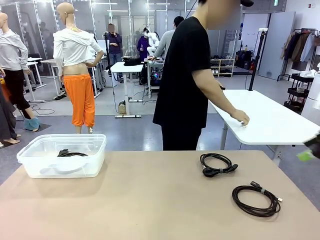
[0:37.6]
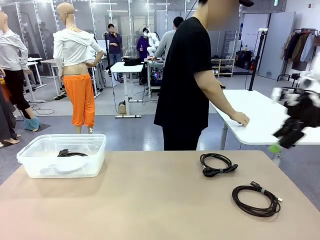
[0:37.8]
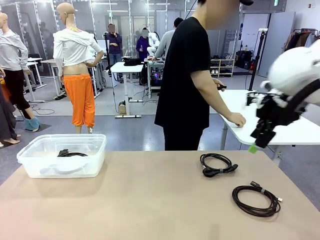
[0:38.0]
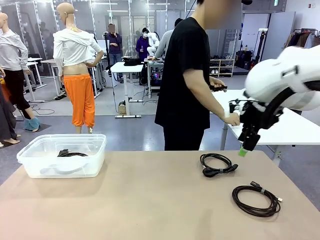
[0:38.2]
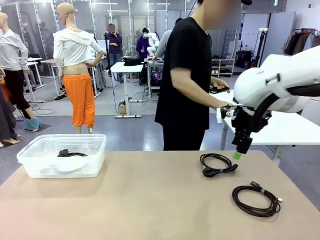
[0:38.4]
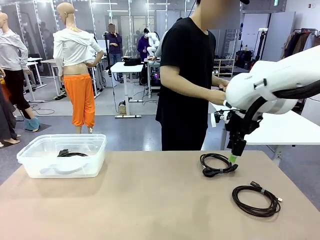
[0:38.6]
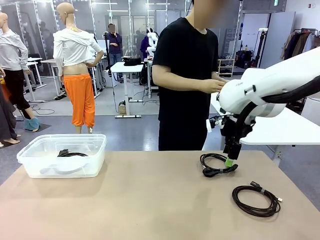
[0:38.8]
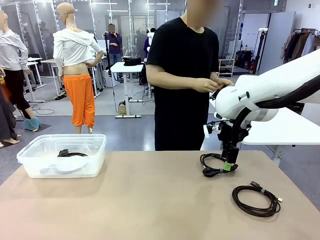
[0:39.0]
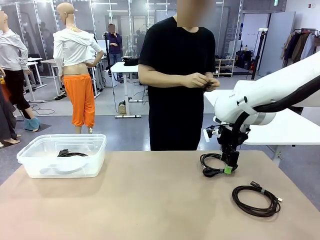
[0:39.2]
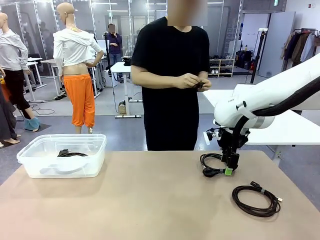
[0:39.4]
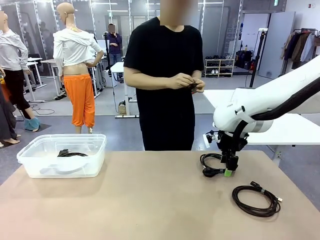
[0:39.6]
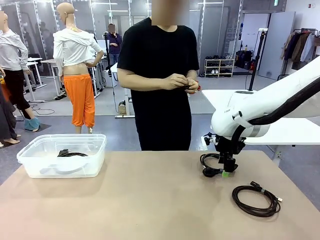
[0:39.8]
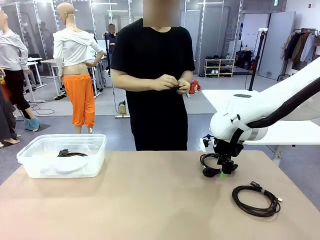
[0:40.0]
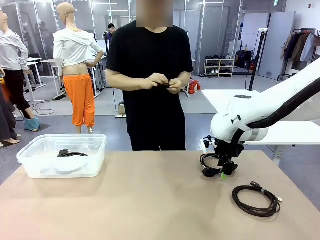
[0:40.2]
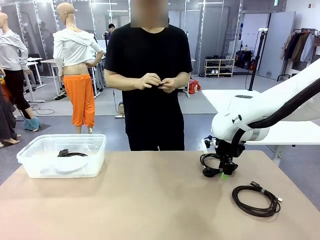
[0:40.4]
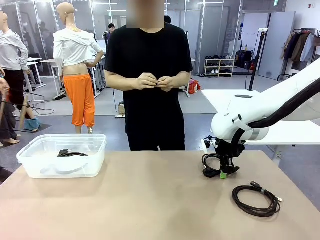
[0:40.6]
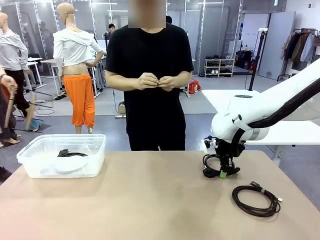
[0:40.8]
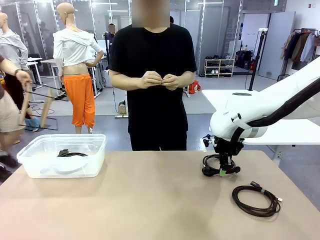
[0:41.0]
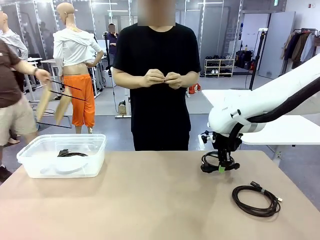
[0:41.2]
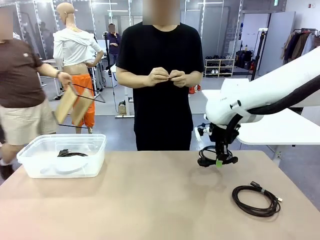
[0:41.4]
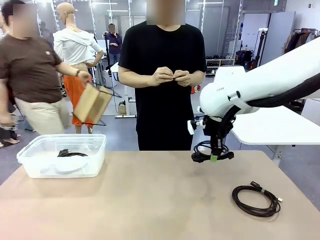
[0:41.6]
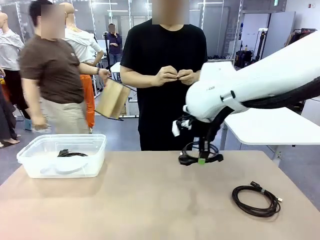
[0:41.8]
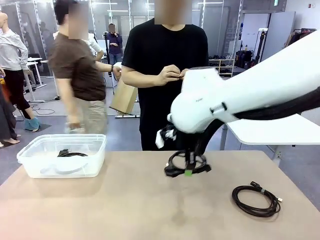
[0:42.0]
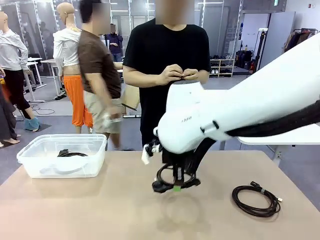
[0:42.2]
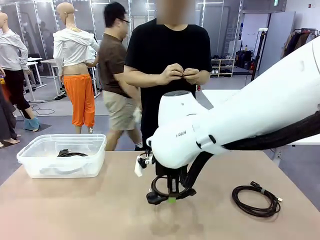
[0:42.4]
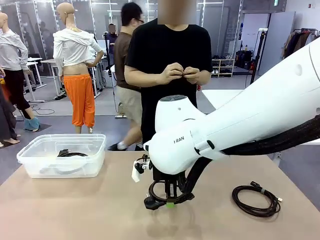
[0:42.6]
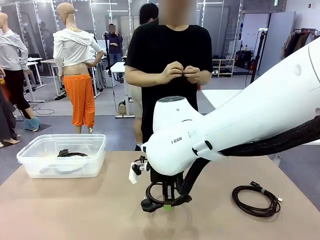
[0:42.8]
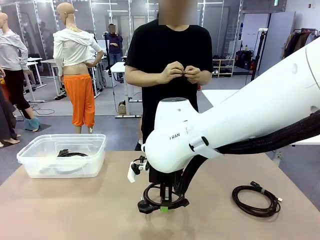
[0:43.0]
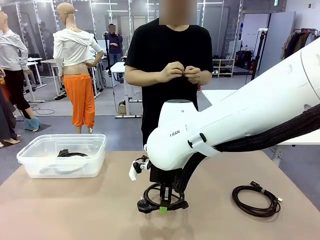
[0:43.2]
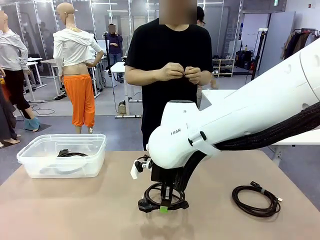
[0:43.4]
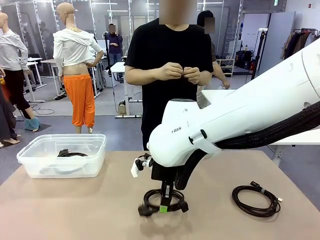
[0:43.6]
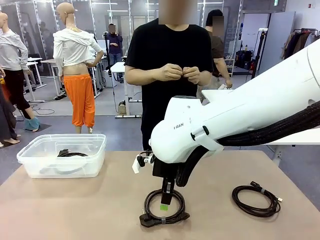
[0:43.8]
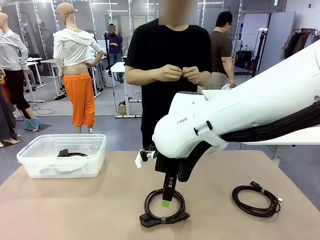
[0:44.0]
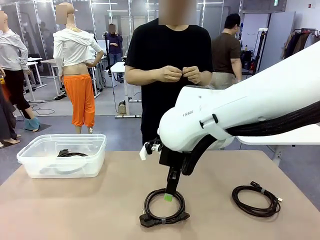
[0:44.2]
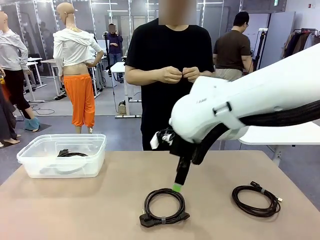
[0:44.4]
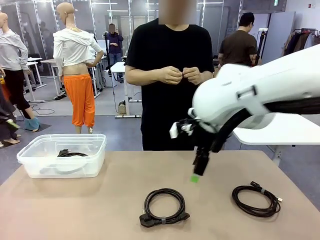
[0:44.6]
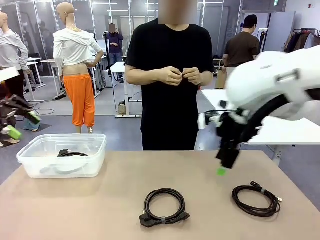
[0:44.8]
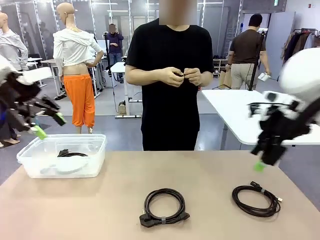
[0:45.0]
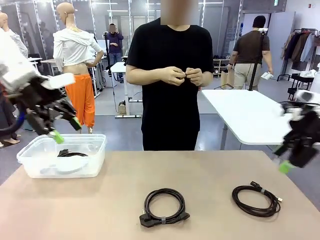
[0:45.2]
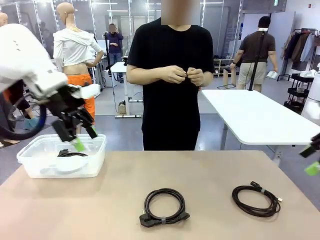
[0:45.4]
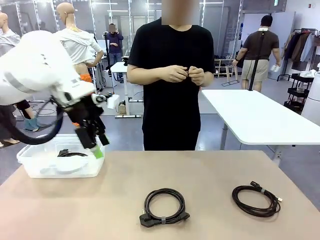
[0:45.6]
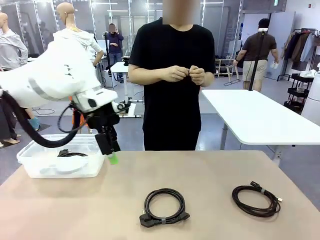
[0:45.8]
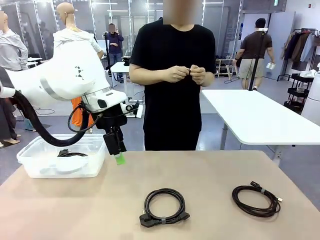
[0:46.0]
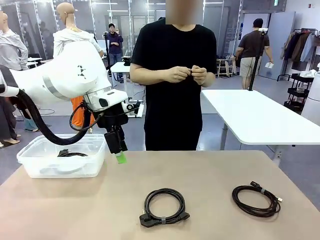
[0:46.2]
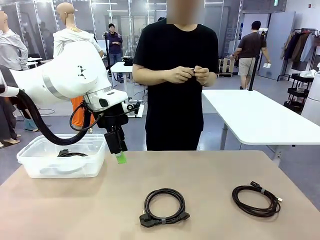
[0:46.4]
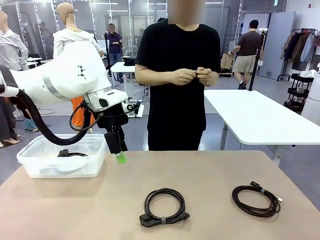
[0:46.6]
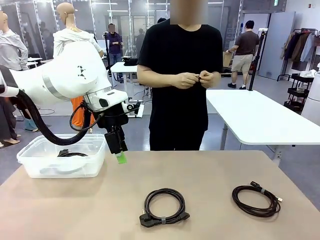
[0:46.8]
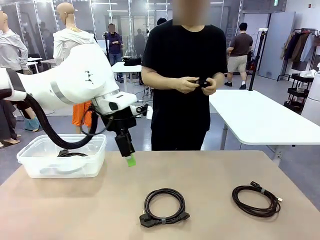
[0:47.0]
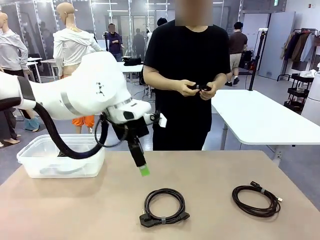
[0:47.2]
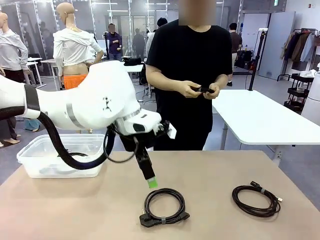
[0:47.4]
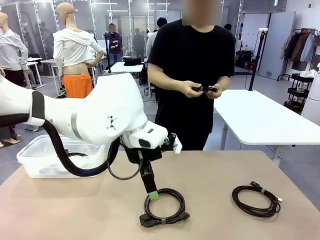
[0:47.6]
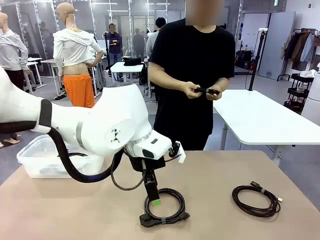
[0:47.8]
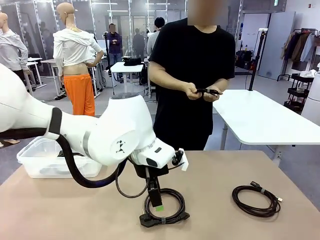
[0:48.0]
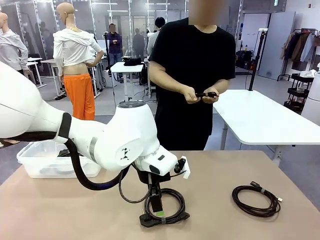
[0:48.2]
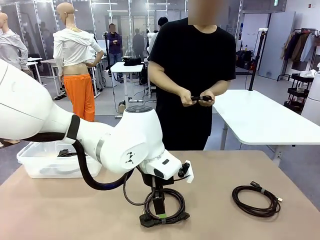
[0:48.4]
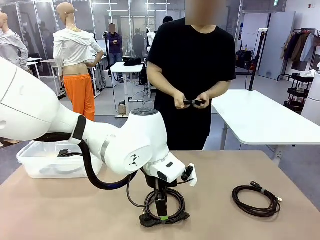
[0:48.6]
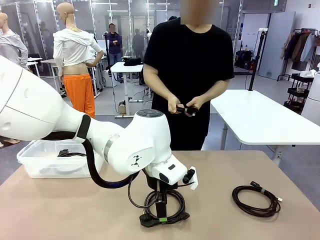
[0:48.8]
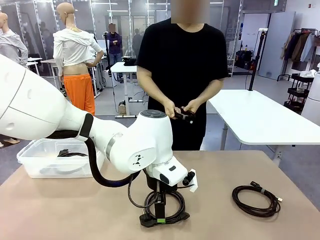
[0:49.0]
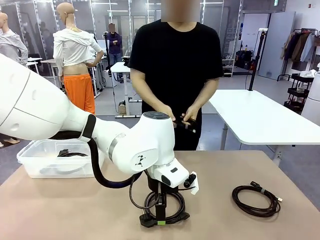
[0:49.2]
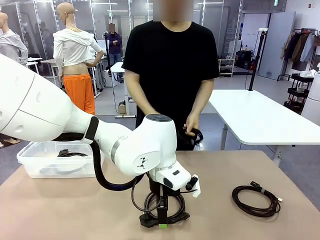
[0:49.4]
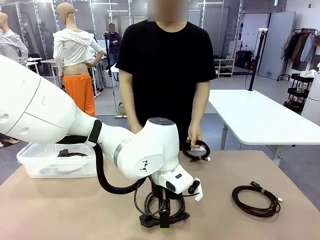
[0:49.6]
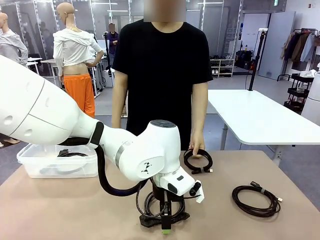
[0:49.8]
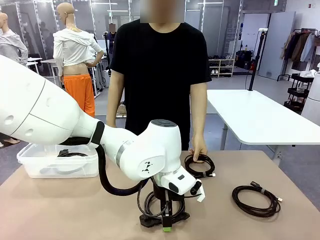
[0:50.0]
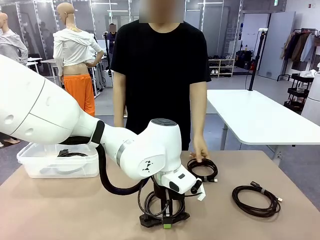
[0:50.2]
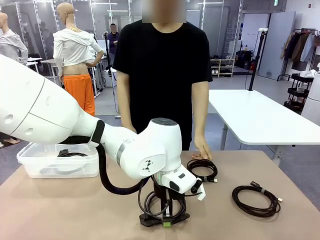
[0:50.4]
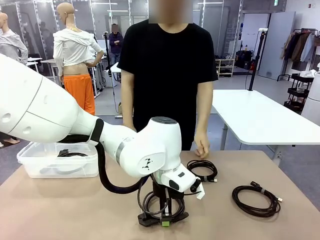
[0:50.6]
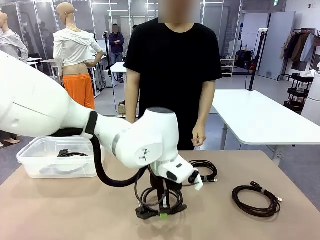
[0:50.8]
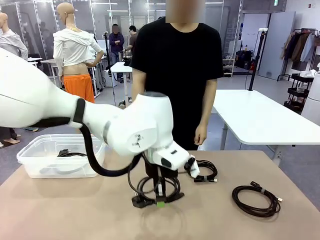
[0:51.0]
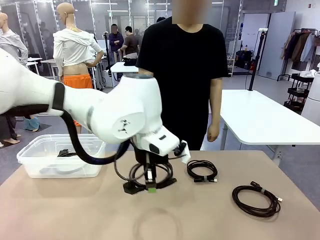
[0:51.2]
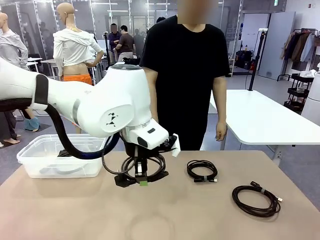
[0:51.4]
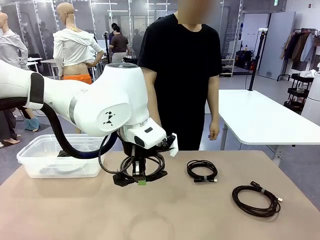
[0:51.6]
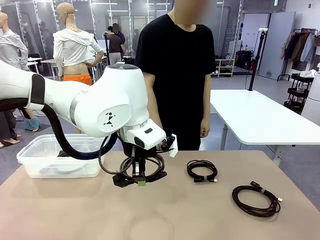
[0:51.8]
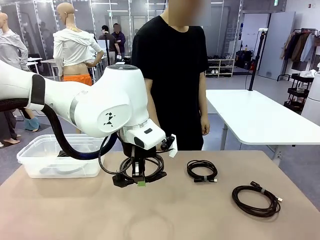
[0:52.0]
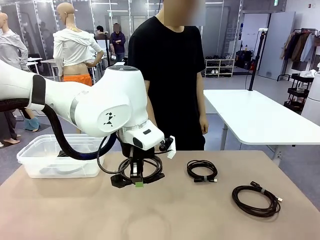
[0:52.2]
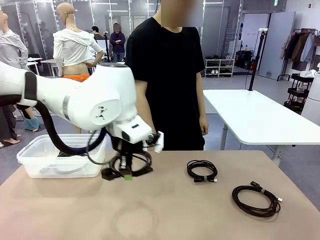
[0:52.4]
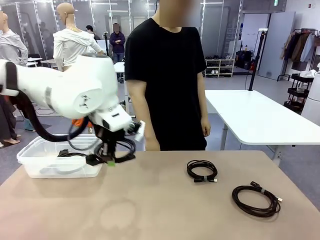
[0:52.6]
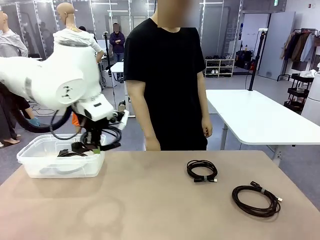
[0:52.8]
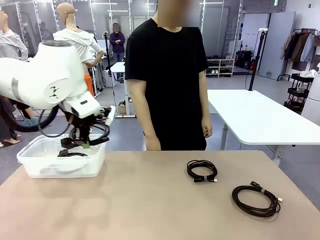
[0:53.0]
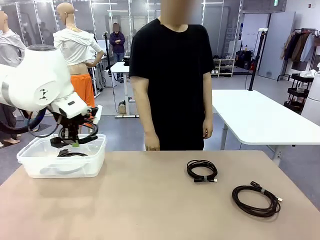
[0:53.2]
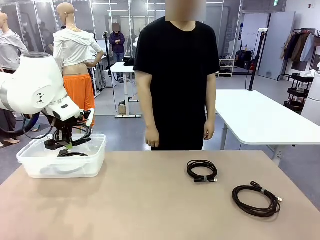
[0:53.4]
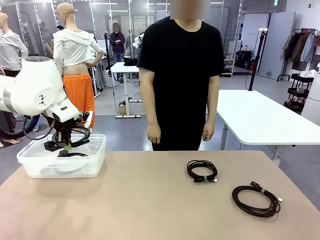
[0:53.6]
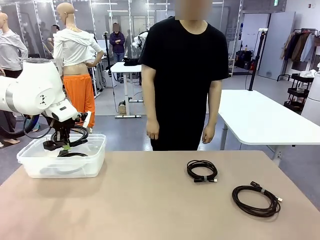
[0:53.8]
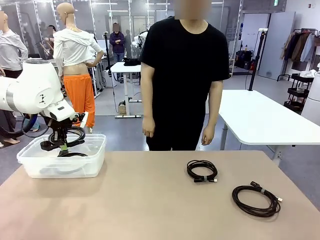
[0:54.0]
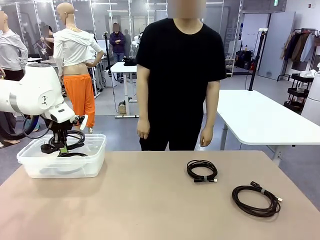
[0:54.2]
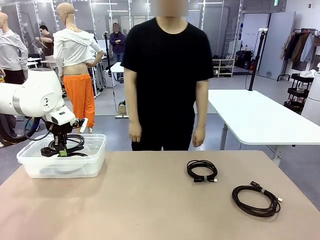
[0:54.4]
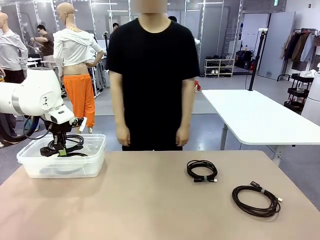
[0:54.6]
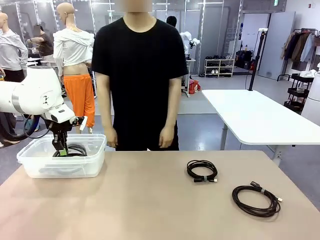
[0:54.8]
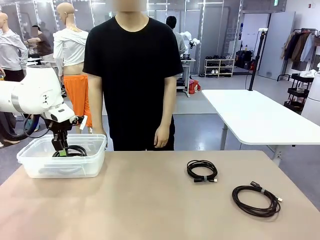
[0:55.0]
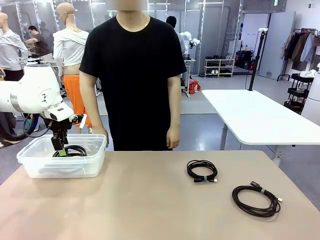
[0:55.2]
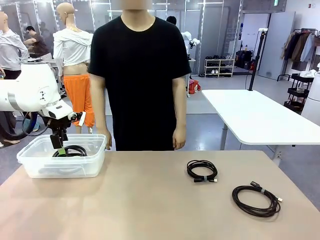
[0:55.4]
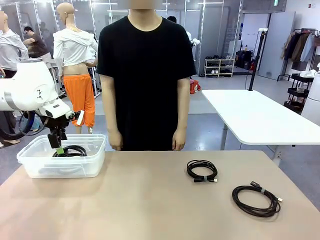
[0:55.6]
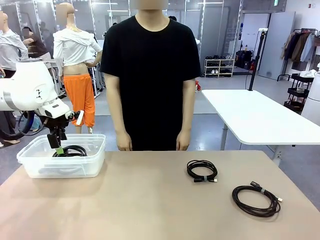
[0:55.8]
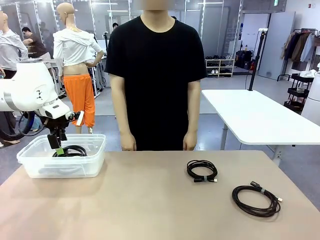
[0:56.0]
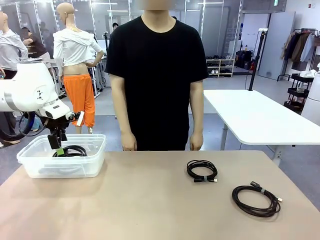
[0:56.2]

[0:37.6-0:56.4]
Task: Organize and store the cables.
Robot: Place the Power Cable into the Organizing box.
